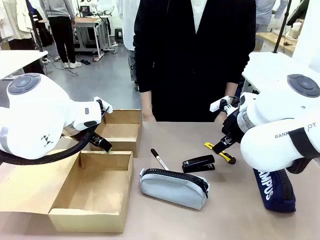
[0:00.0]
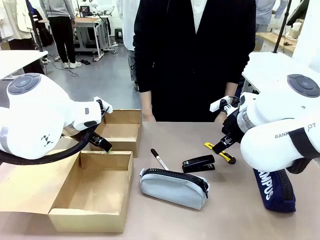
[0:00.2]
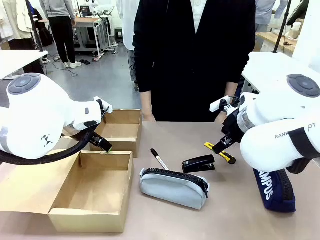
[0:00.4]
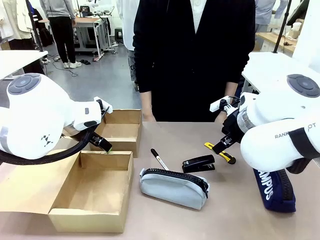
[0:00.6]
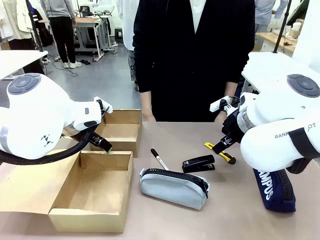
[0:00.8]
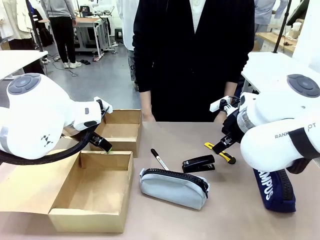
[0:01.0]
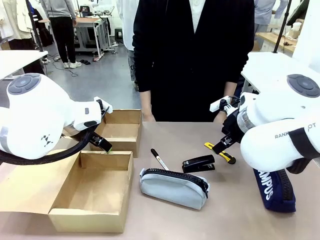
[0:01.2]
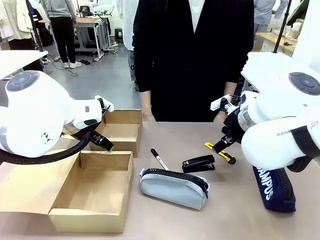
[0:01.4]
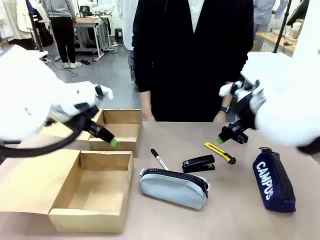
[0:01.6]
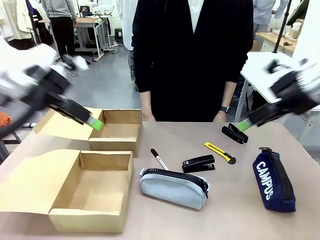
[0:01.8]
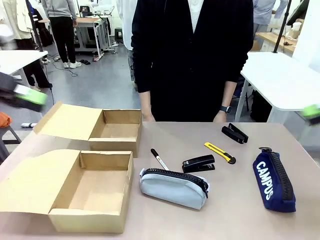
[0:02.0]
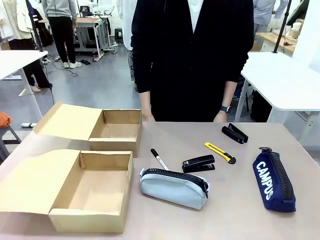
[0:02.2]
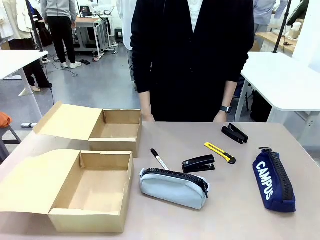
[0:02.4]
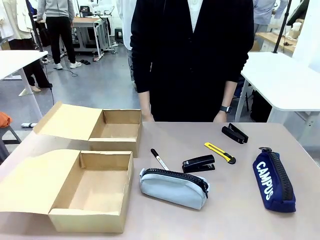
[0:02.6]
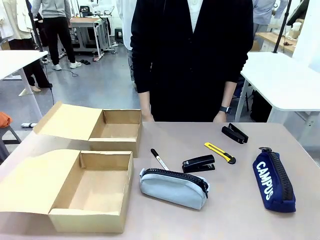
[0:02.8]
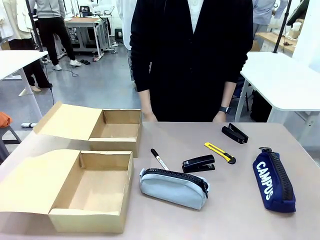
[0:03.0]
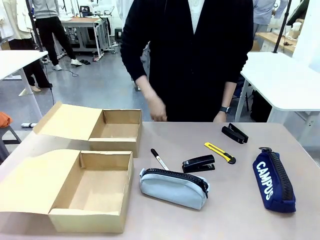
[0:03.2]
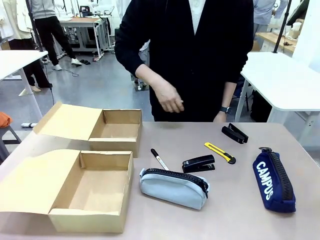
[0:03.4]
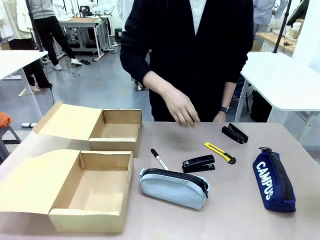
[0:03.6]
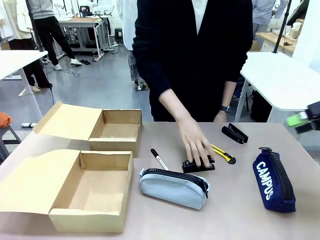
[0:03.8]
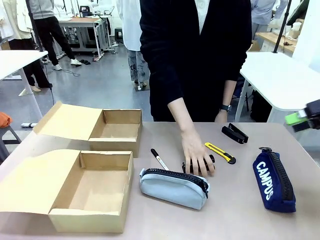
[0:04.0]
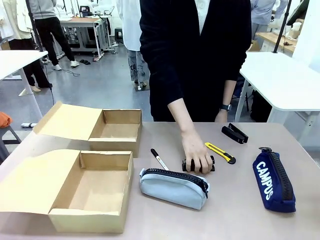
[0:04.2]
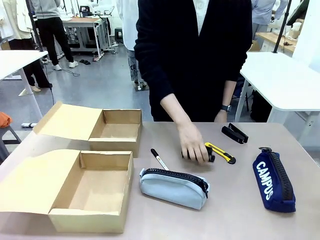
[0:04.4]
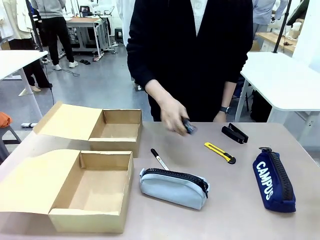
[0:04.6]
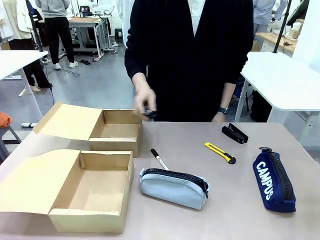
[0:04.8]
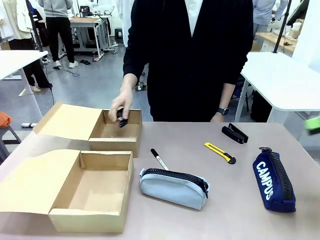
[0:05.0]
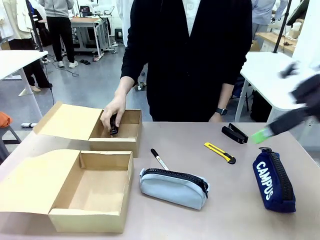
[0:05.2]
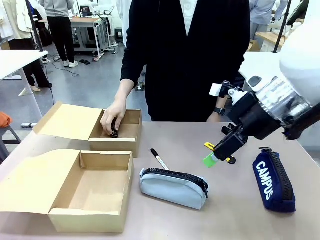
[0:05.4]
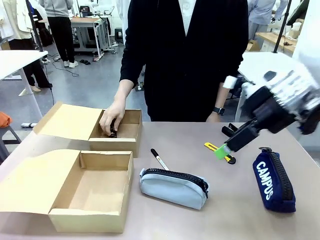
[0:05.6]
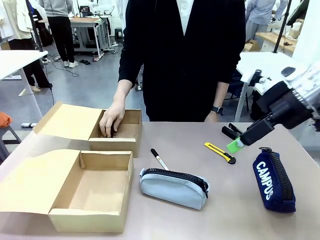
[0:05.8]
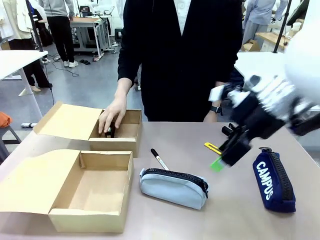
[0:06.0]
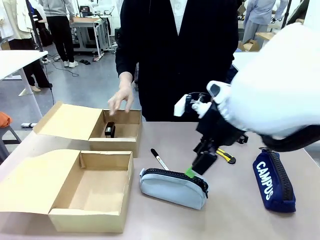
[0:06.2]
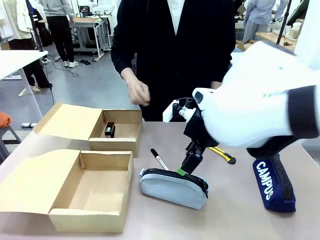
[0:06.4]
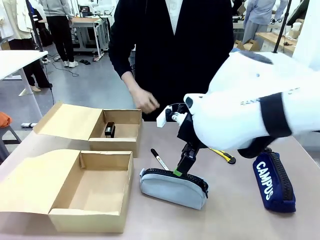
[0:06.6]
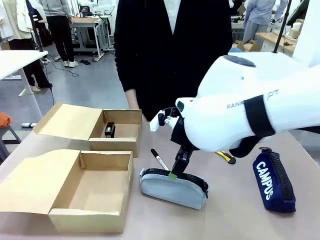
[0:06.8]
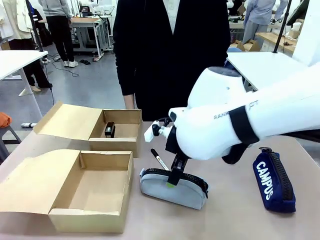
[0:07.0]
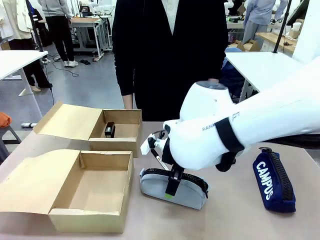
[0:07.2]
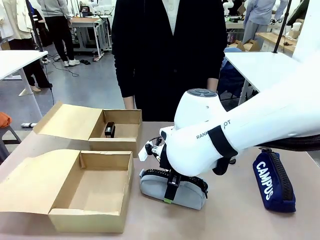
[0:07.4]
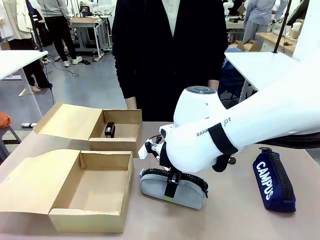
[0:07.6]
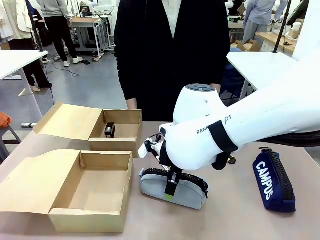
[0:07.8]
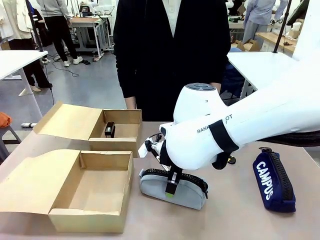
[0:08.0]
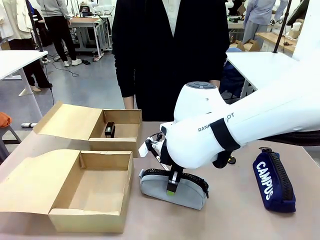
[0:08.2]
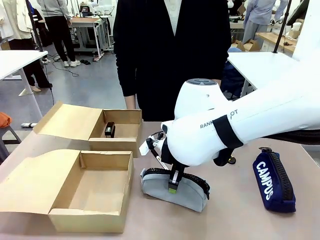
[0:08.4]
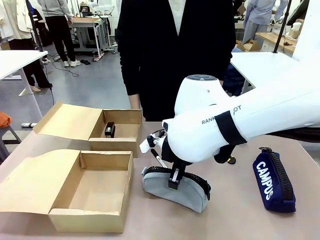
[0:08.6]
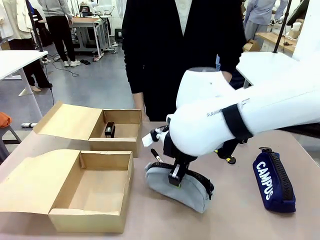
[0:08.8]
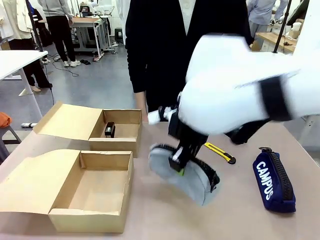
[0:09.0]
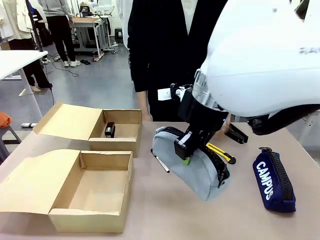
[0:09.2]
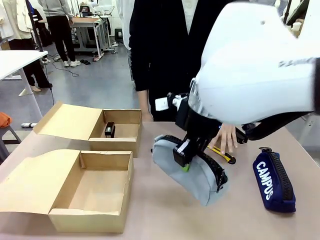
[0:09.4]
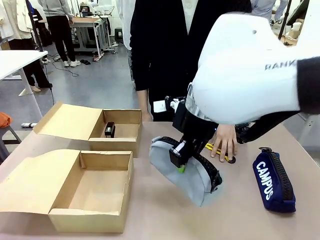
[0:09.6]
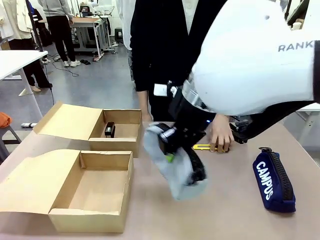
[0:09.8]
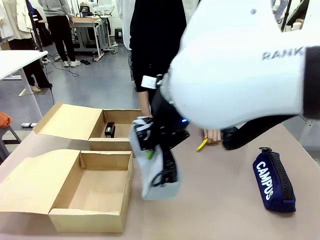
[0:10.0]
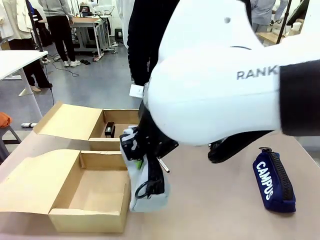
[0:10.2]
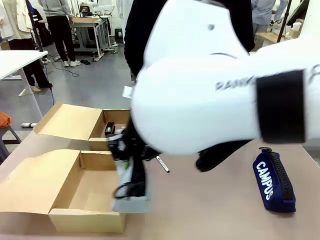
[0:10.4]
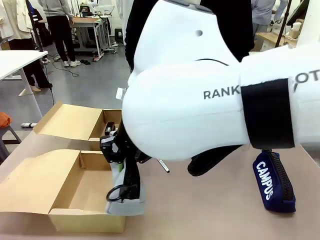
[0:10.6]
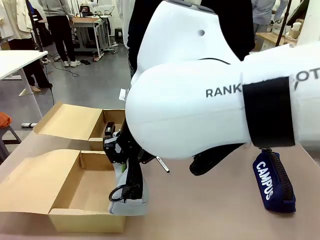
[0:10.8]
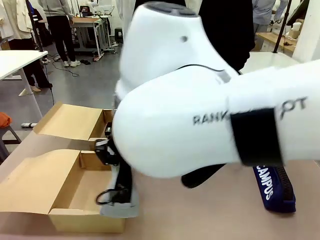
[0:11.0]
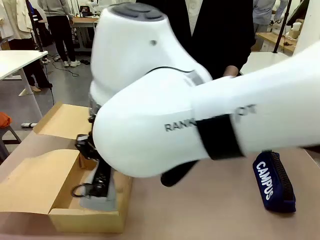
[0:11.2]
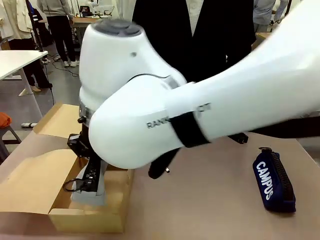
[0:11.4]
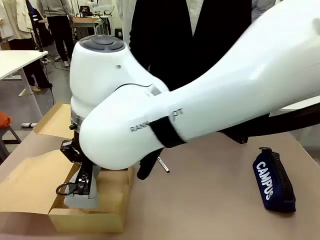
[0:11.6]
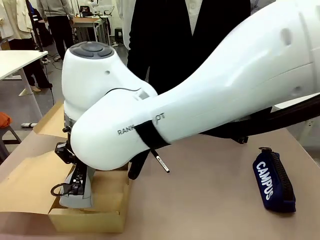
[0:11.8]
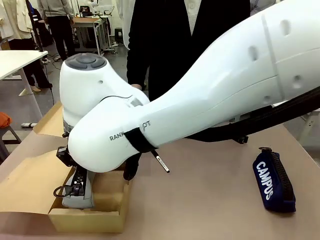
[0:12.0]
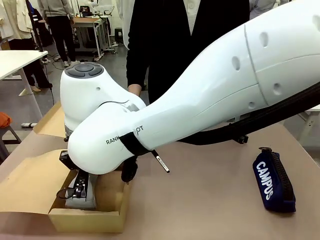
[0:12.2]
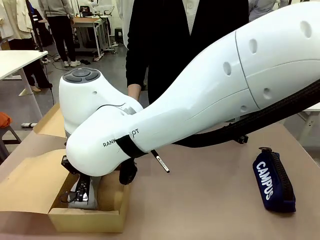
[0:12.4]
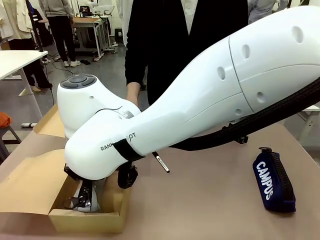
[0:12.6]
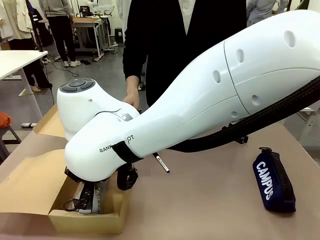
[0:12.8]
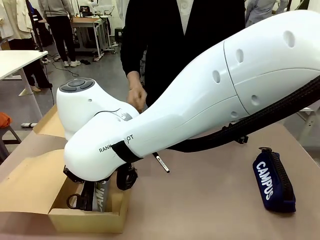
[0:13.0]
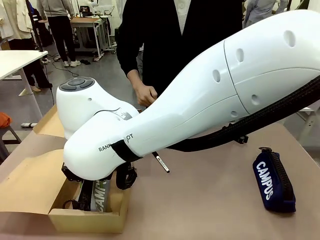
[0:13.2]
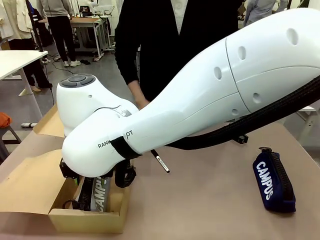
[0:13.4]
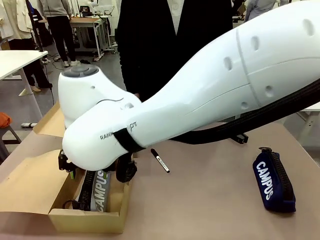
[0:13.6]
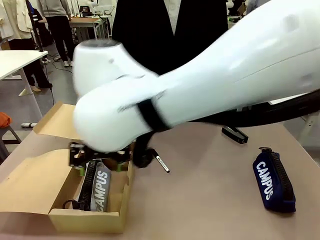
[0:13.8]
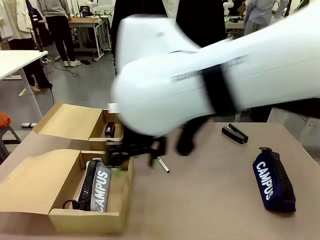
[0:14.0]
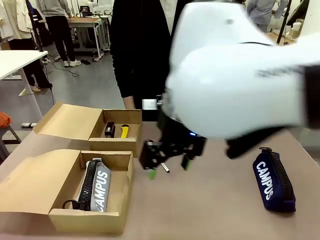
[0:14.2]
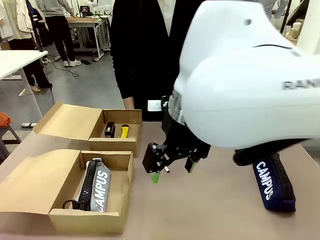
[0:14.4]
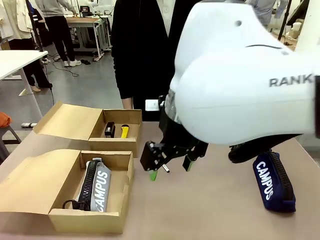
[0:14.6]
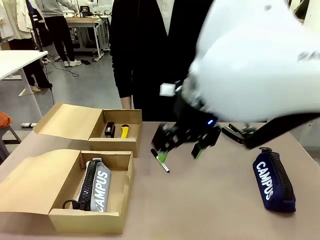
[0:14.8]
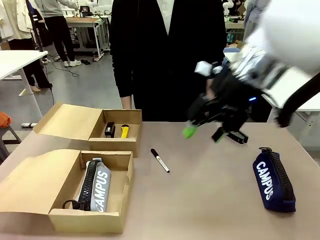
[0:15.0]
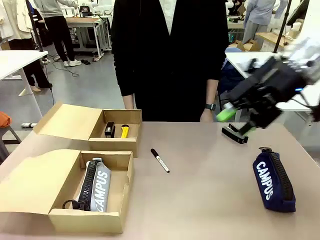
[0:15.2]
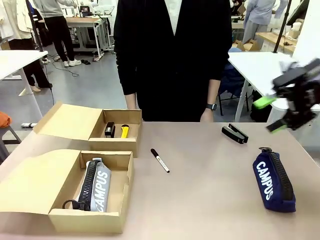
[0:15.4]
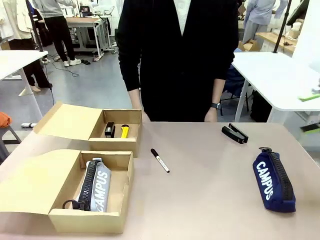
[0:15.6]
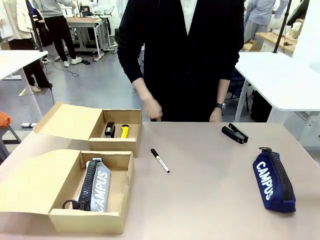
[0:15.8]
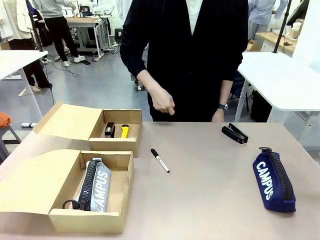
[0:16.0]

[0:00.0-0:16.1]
Task: Place items inside the box.
Robot: Pick up a Pencil pouch or Stapler and place it inside the Mailer Box closest to the robot.
Person: Pick up an object on the table and put it in the box.
